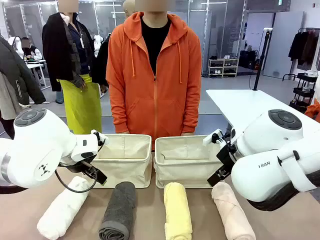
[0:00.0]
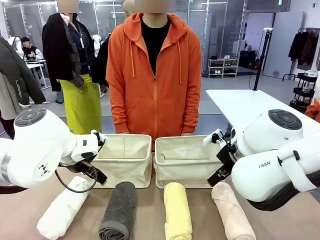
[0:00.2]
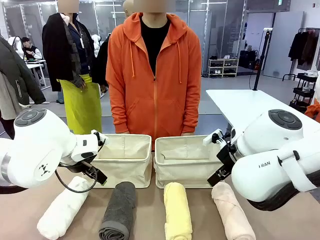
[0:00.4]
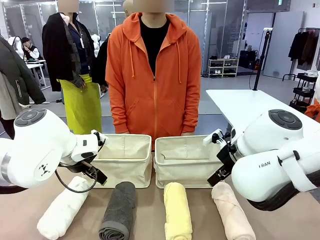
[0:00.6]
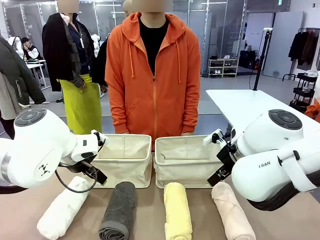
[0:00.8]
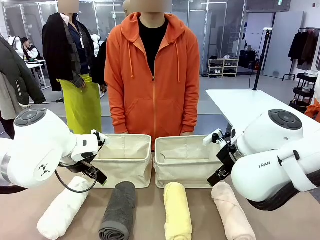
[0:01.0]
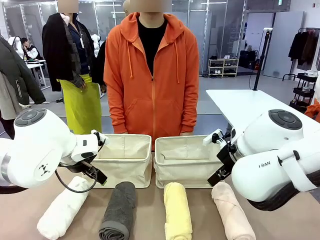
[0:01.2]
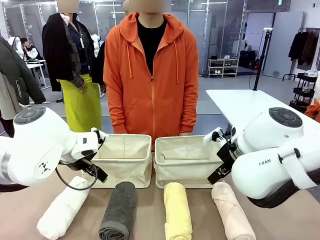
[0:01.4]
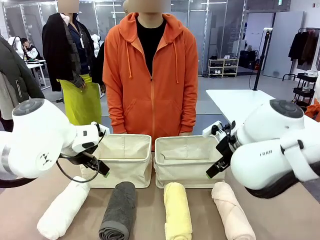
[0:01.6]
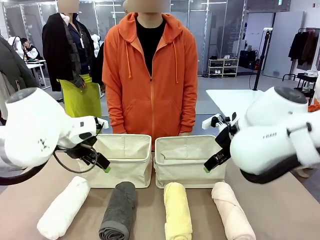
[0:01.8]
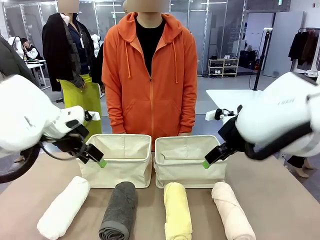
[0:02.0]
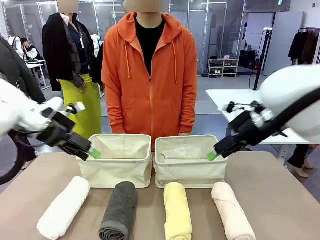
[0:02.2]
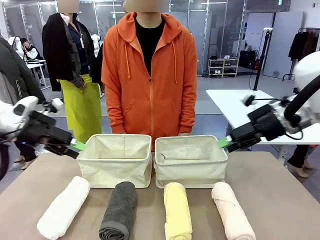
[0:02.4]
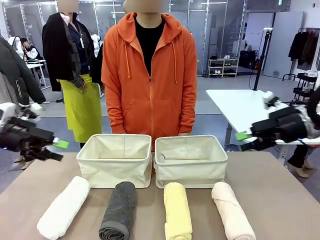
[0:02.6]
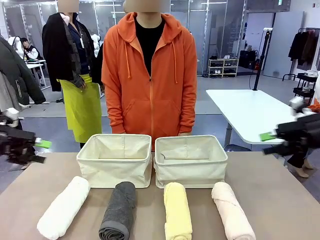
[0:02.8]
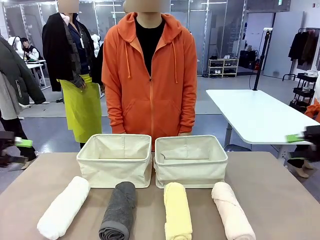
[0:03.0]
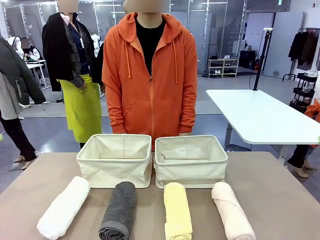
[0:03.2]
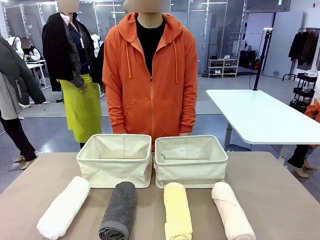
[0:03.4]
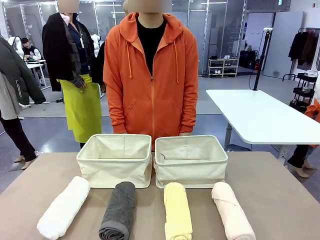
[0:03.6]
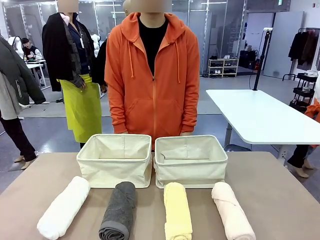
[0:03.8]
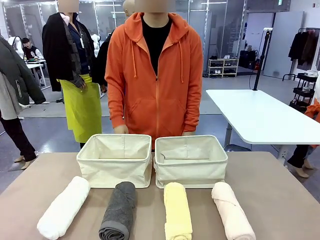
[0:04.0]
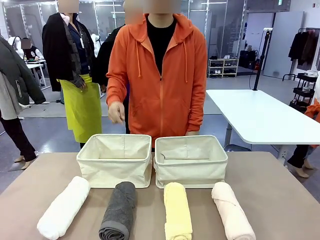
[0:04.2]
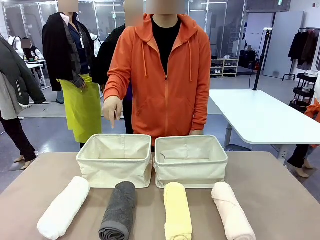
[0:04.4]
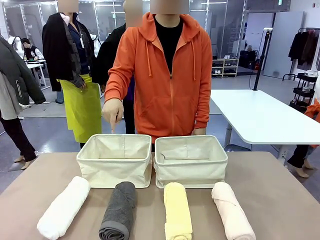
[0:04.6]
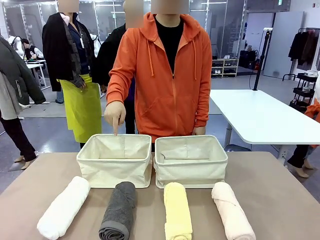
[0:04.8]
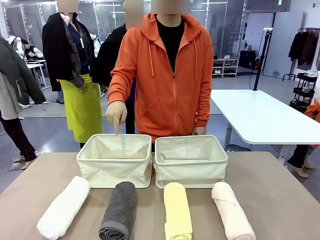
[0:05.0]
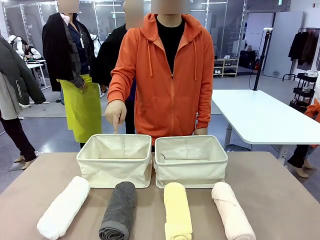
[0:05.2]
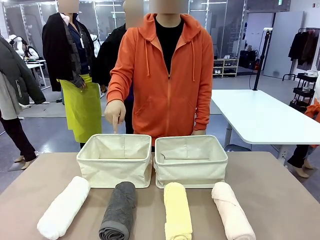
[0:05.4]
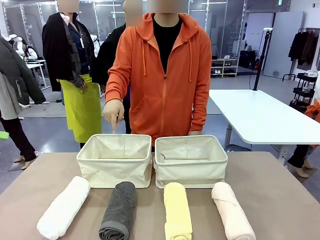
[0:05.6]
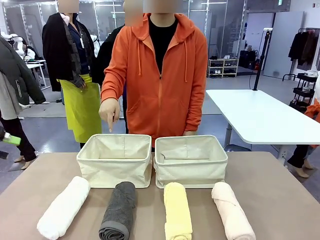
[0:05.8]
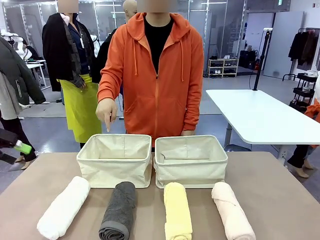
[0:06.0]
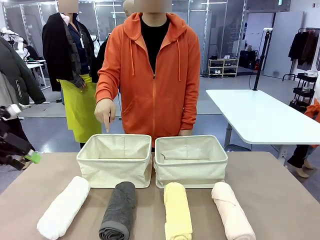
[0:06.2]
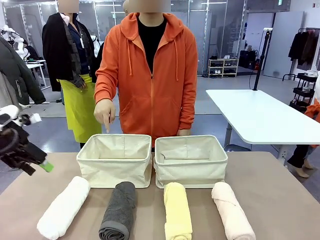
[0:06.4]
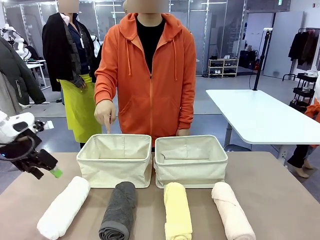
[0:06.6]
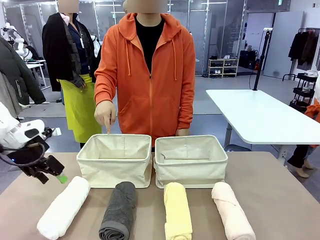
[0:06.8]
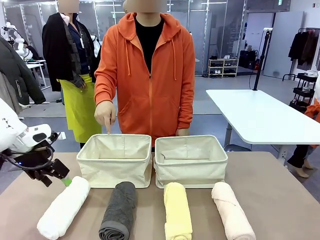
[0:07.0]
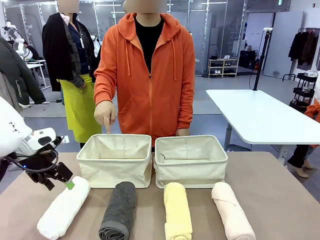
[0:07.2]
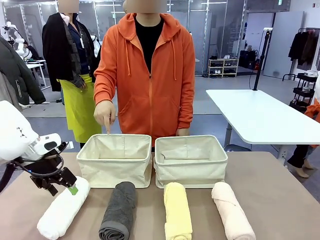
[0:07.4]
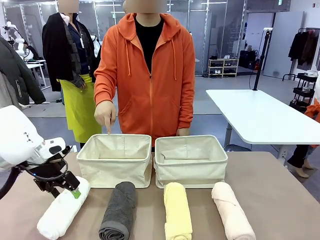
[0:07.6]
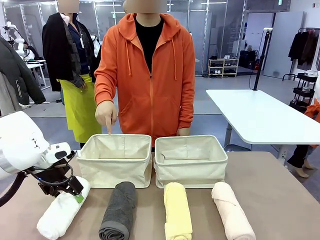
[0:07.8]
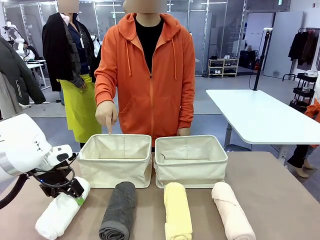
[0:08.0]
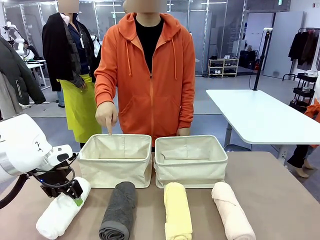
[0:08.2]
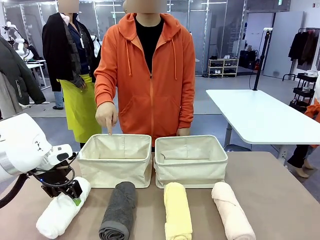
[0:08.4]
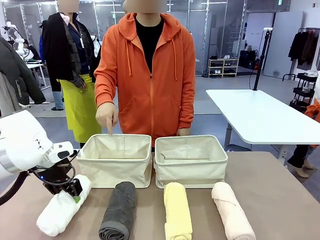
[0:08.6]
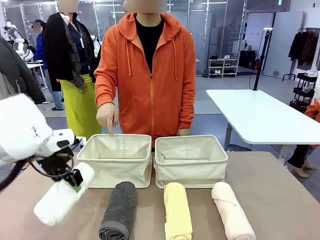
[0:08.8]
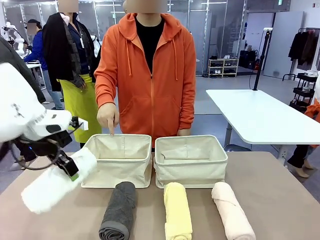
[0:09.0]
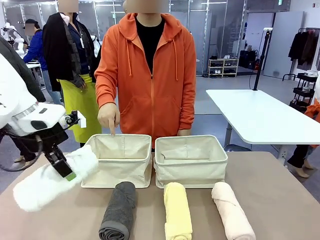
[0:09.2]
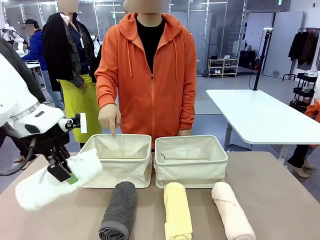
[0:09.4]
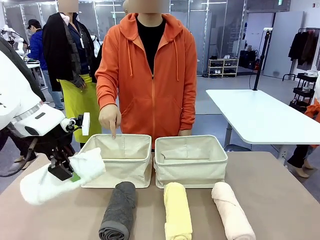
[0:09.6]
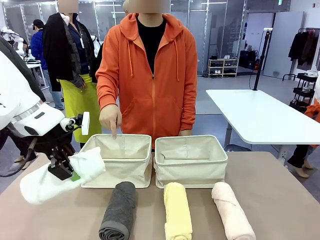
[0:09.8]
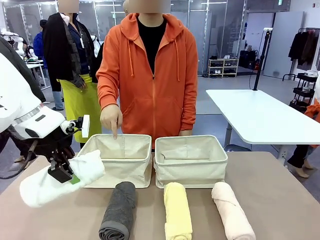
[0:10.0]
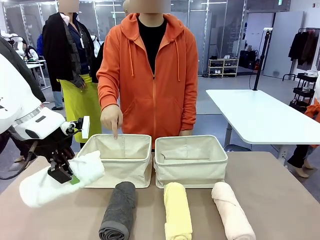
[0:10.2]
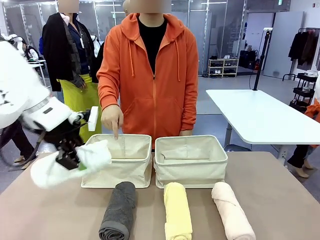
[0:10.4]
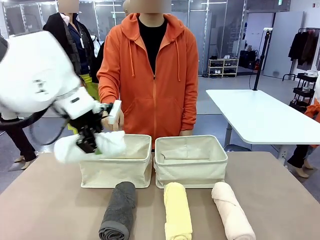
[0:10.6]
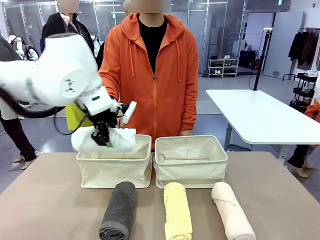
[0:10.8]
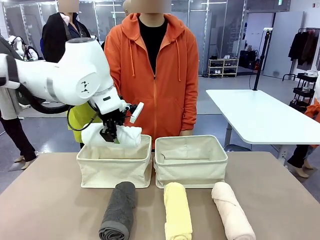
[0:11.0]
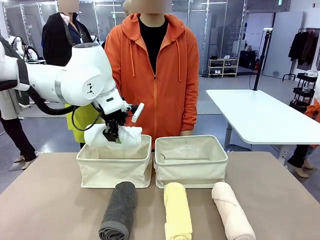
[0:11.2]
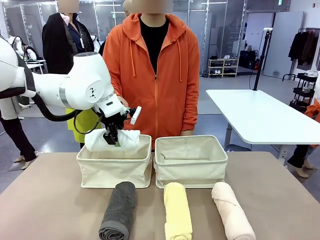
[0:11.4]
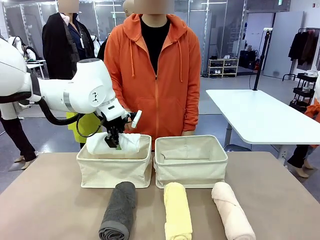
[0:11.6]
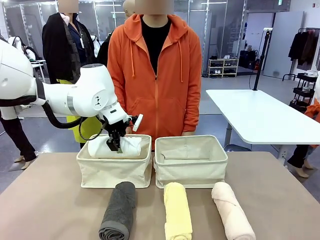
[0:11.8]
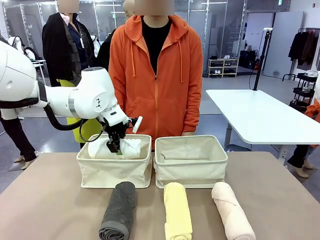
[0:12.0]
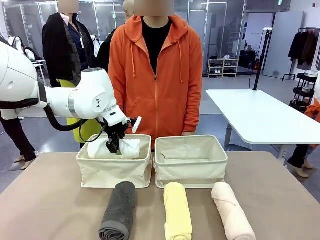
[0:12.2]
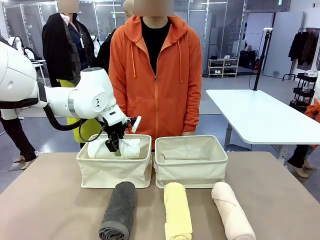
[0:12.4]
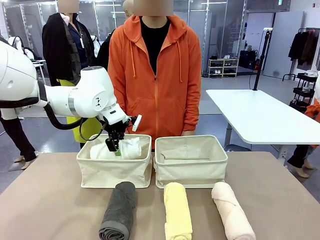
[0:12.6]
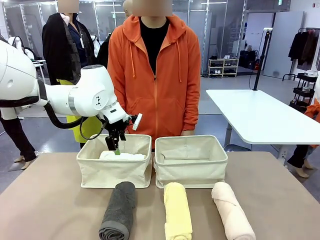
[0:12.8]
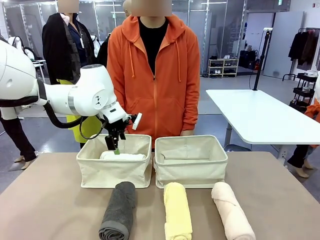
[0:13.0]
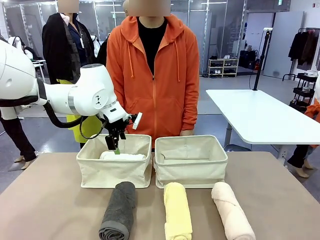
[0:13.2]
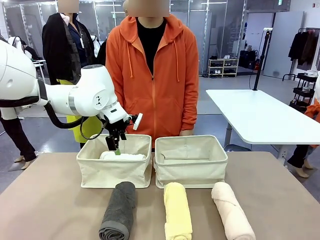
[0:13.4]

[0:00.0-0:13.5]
Task: Divide the towels into two baskets.
Robot: Pick up one hotel-folded towel and place it in the Fabric basket indicated by the person.
